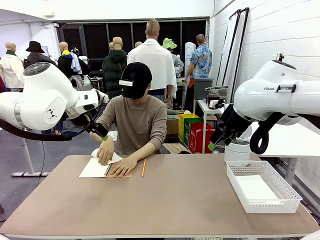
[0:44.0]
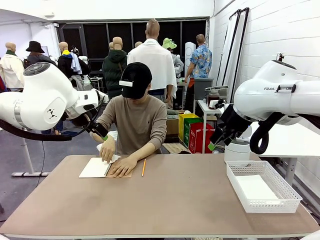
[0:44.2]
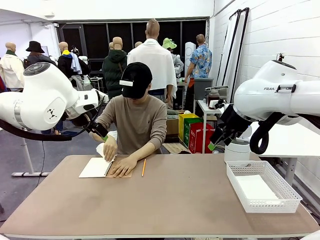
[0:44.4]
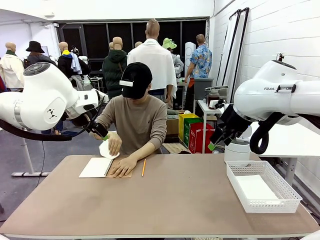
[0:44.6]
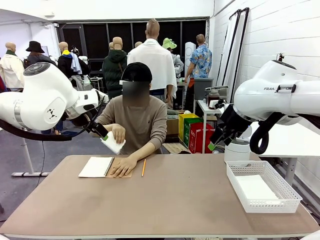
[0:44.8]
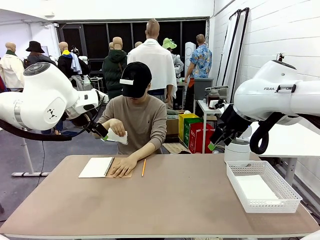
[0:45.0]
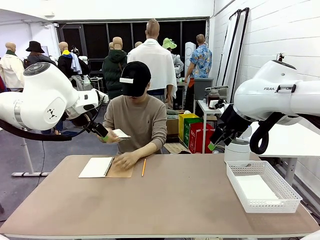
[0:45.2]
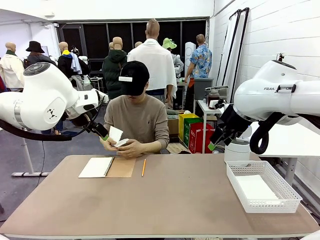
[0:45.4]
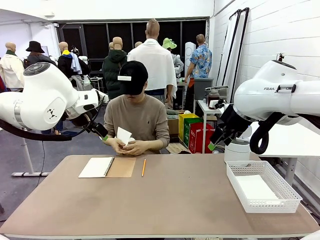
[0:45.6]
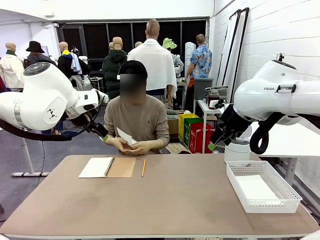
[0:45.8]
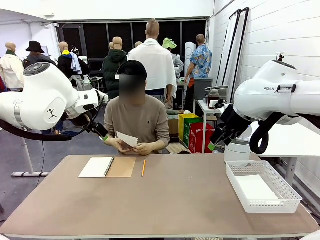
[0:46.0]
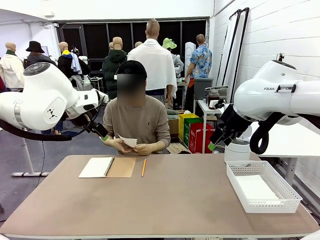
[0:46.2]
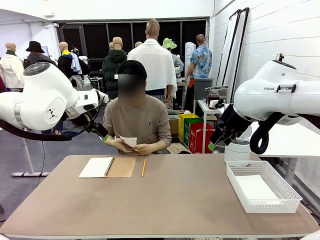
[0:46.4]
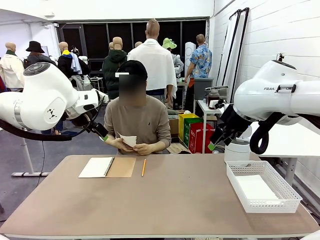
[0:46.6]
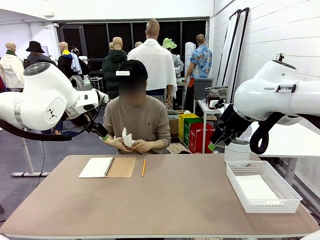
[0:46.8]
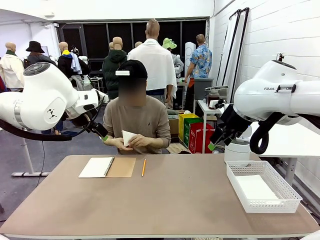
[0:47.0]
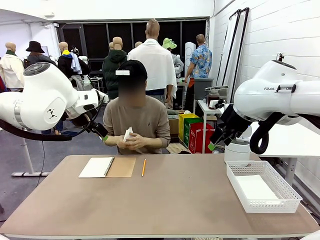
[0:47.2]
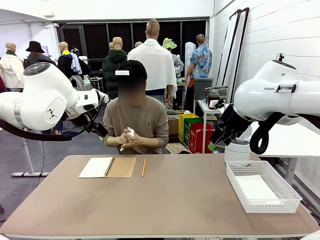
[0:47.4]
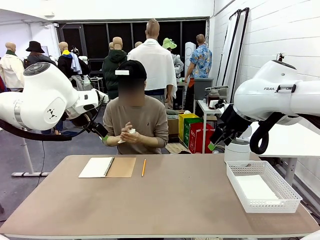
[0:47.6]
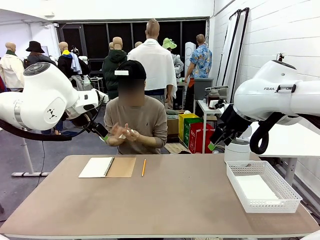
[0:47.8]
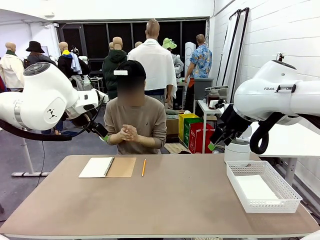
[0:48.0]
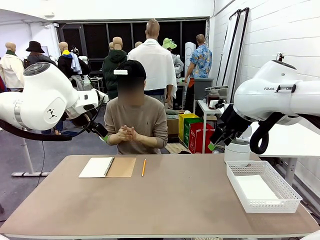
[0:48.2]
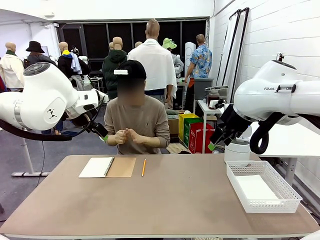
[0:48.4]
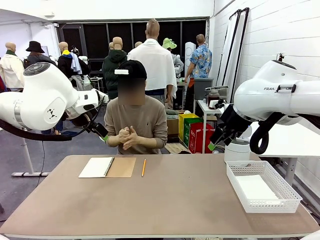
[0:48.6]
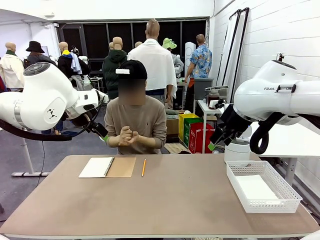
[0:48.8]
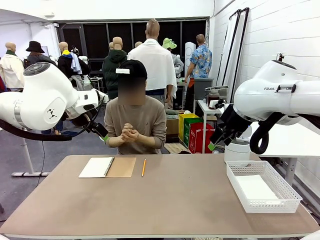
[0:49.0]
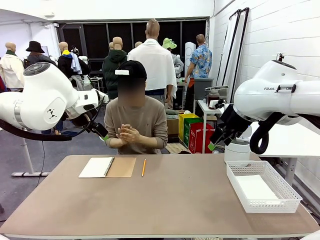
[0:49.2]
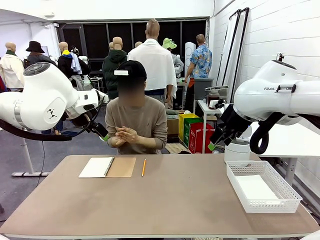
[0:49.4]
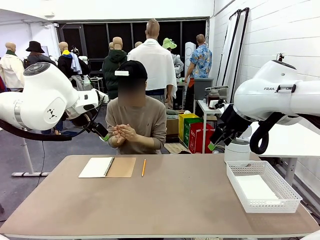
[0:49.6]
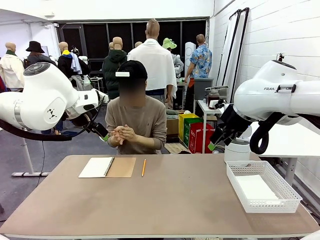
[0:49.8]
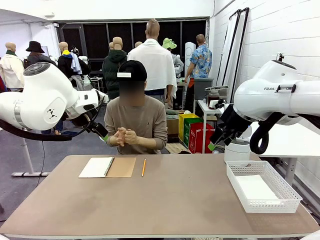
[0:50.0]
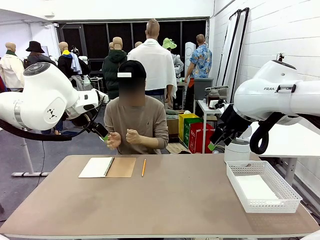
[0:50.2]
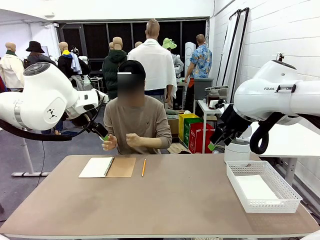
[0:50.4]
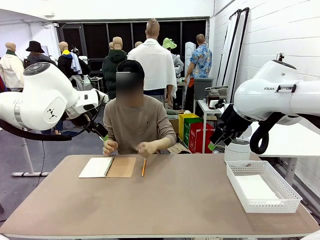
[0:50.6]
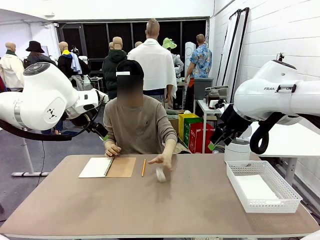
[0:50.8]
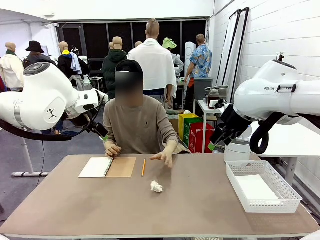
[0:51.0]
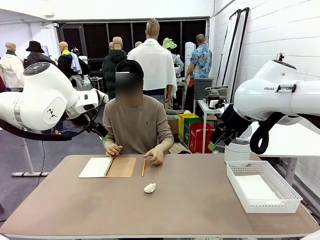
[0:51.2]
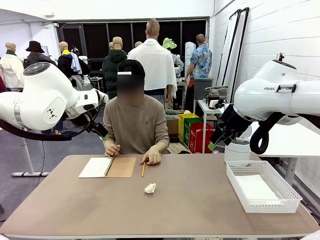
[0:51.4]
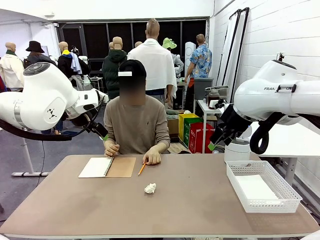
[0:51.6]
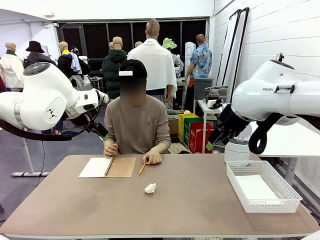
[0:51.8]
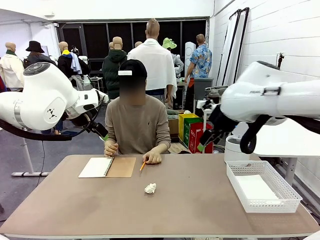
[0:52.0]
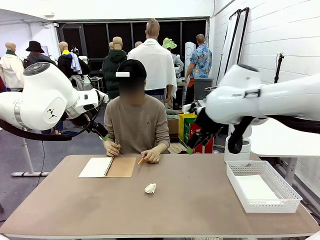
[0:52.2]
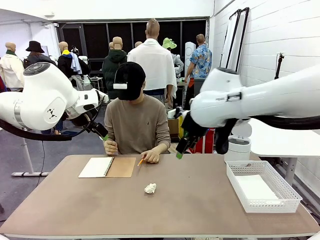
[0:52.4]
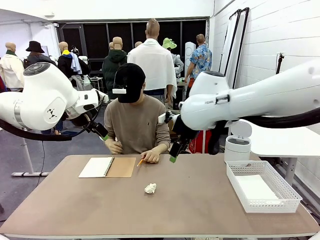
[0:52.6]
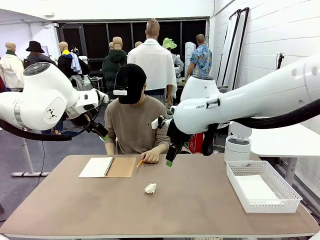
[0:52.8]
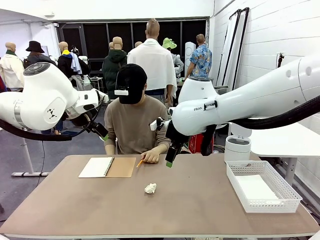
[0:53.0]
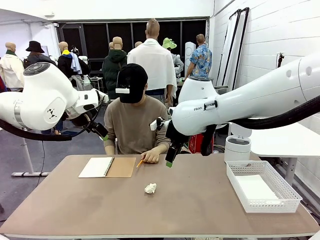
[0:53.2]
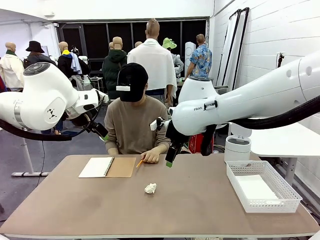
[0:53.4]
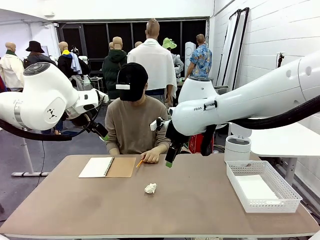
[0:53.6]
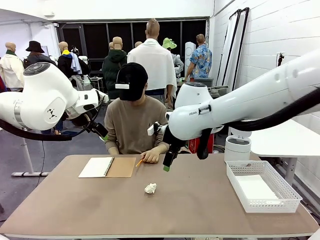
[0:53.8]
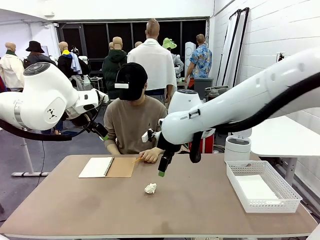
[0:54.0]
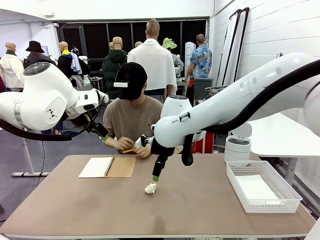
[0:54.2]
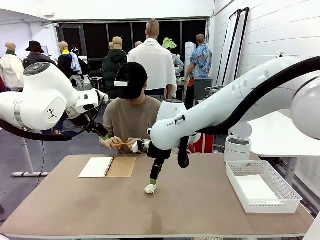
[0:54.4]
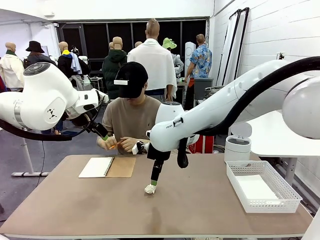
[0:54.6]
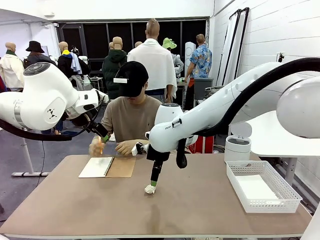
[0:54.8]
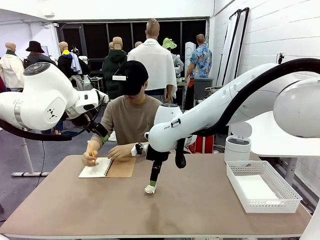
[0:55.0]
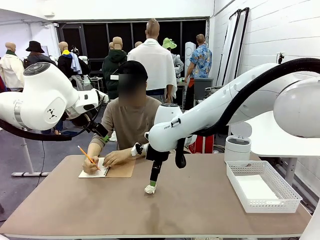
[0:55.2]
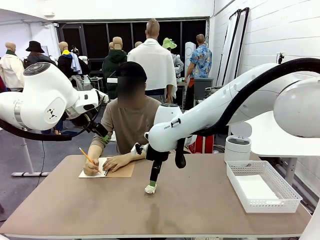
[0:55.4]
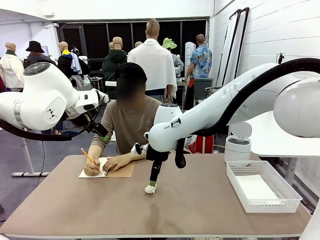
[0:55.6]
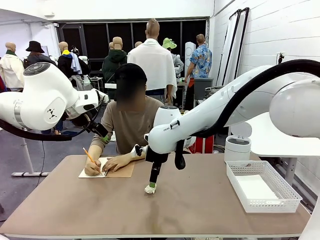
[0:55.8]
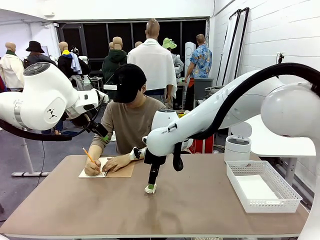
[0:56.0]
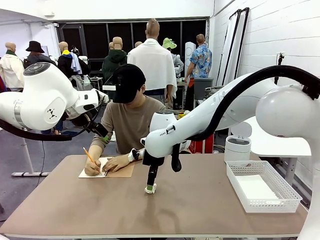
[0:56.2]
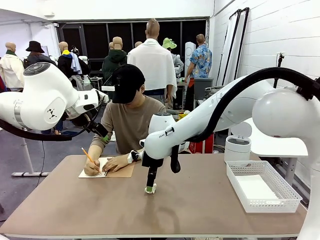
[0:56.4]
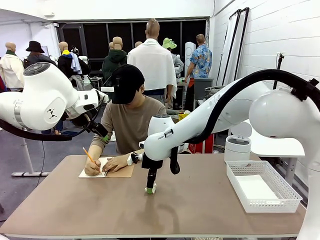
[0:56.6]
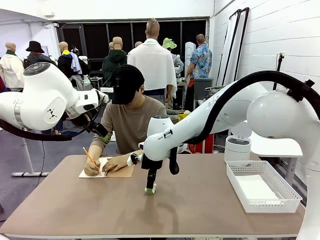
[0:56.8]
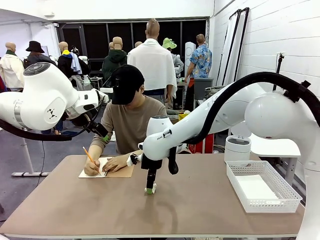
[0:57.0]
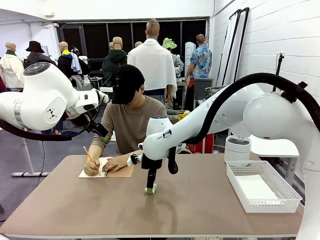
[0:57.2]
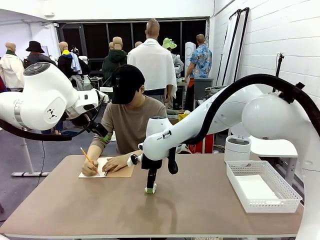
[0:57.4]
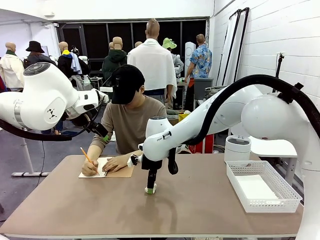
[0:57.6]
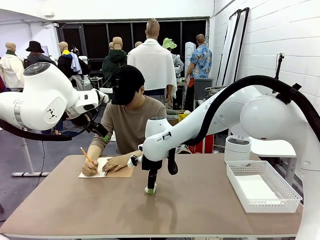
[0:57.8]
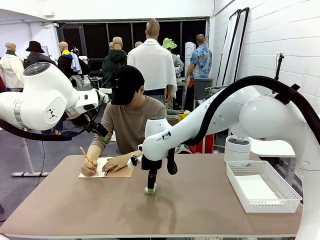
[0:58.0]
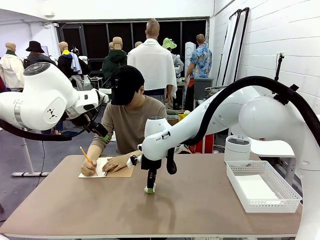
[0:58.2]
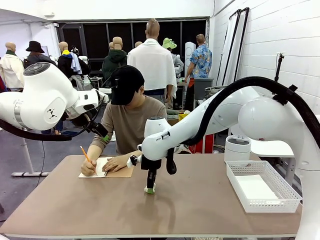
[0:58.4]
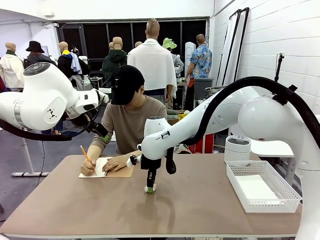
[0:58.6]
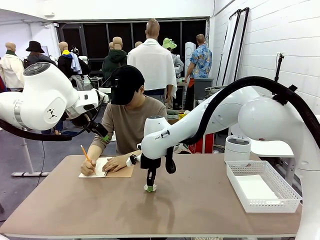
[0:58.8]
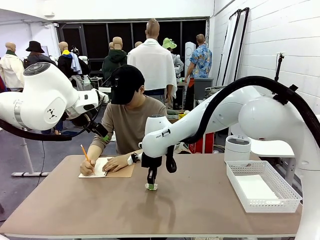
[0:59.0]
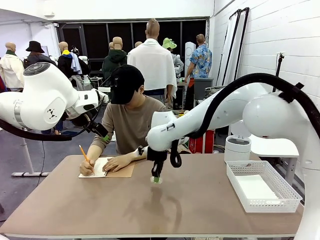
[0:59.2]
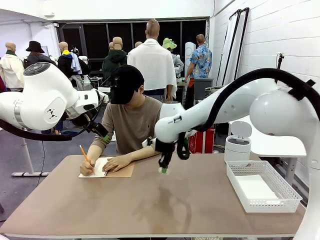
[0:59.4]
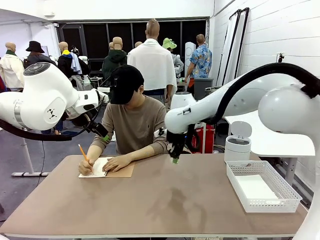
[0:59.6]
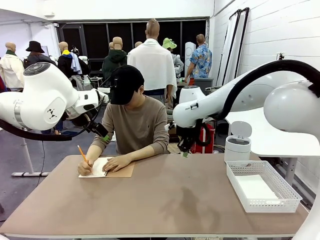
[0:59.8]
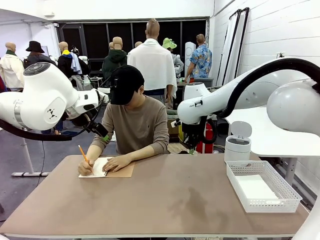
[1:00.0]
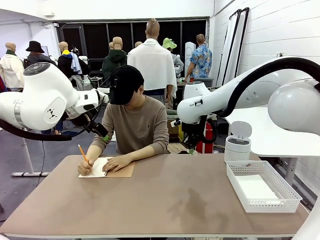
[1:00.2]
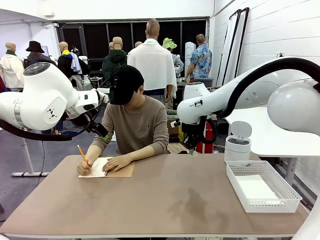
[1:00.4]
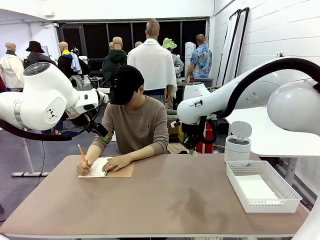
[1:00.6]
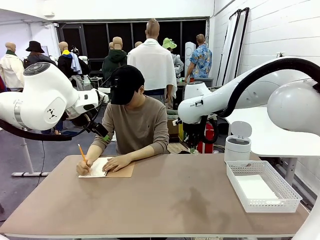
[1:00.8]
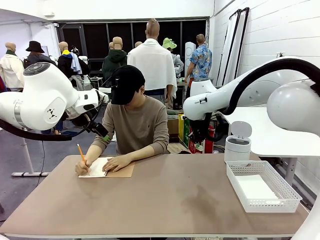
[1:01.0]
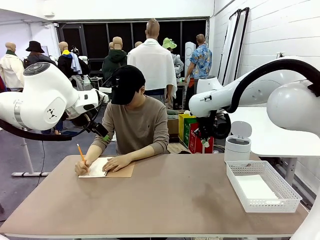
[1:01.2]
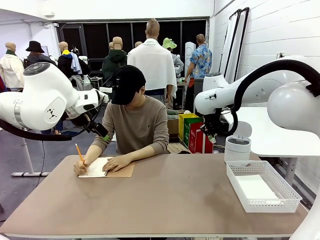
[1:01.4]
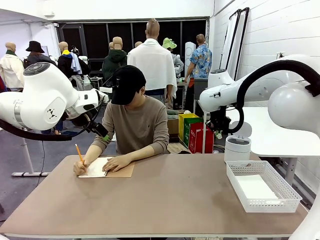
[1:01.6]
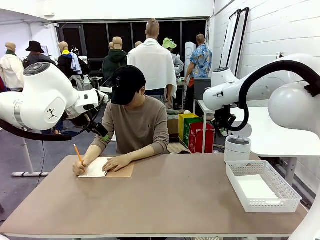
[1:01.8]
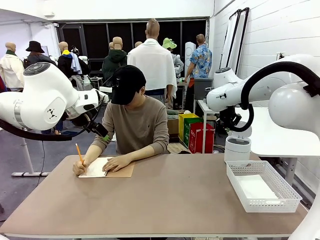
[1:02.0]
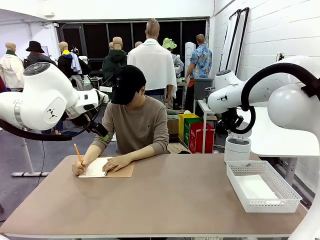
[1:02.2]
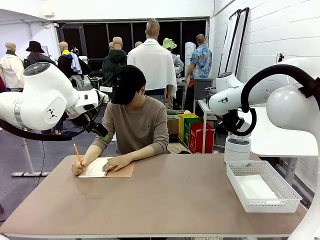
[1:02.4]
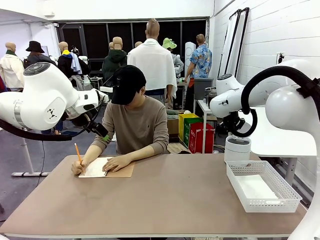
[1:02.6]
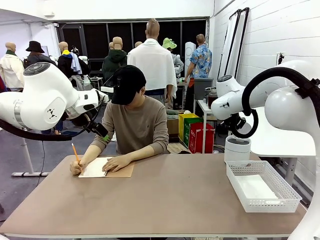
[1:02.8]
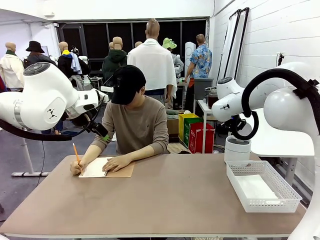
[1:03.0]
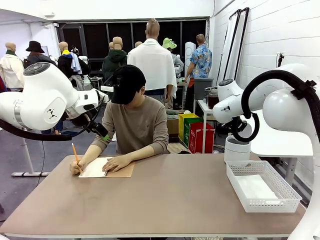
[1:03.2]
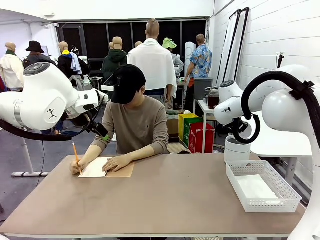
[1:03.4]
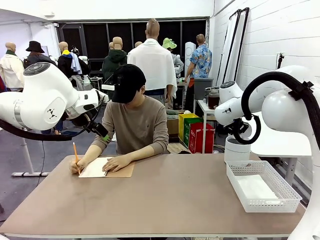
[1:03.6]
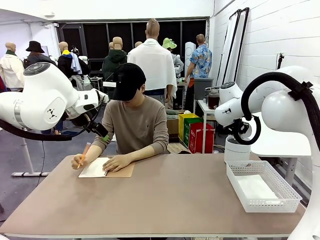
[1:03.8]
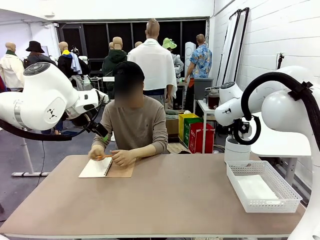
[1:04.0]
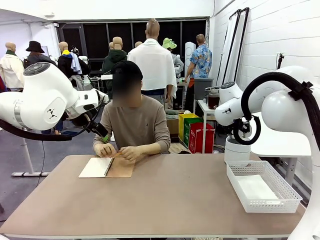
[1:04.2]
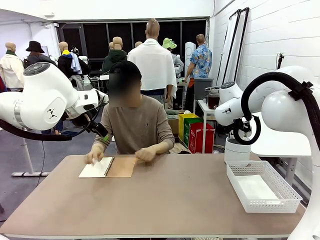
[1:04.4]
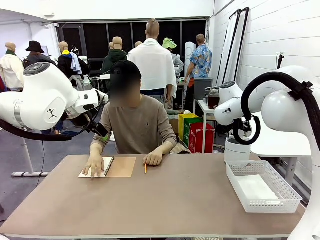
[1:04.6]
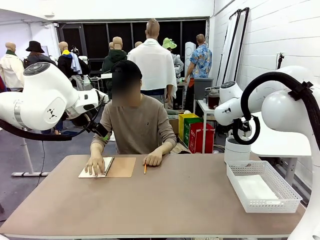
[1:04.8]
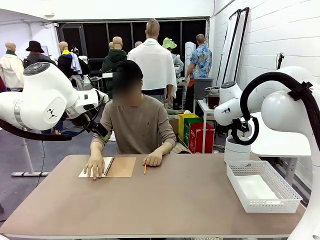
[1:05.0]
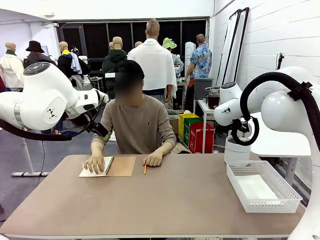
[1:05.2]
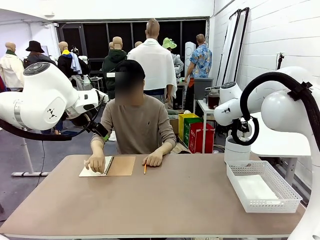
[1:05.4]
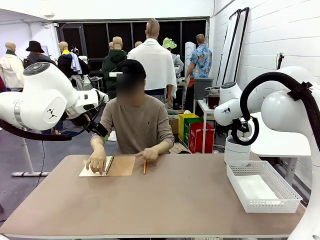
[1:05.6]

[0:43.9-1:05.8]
Task: Sort the paper based on its condition.
Robot: If a person hands you a paper, place it in the Organizing basket , and if it's crumpled, put it in the Trash can.
Person: Hand the torn page to the robot or crumple it and throw it to the center of the table. Tear out a page from the spiral notebook.
